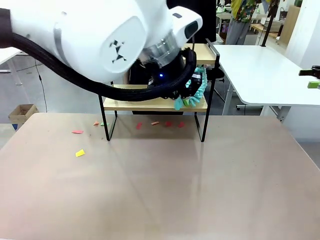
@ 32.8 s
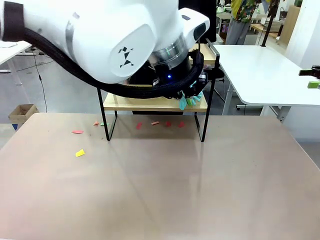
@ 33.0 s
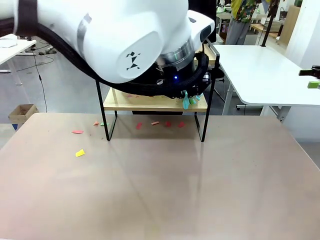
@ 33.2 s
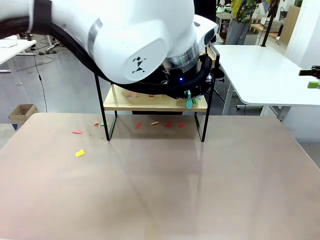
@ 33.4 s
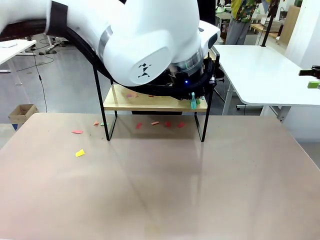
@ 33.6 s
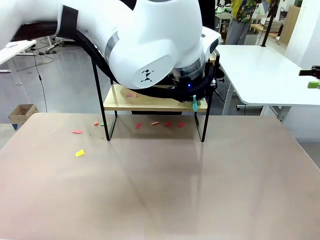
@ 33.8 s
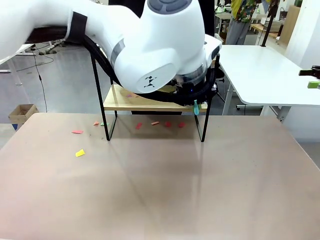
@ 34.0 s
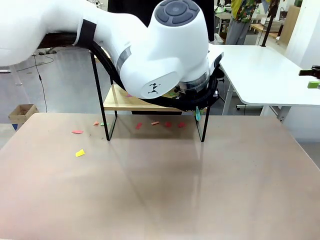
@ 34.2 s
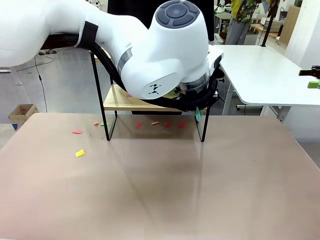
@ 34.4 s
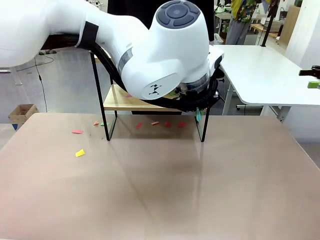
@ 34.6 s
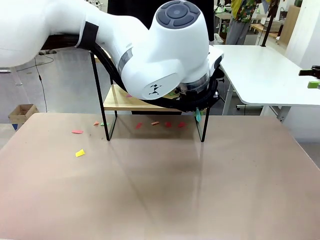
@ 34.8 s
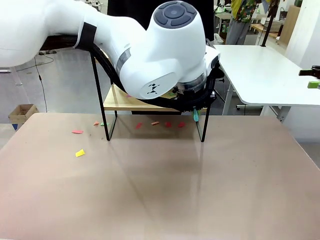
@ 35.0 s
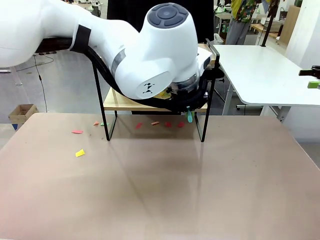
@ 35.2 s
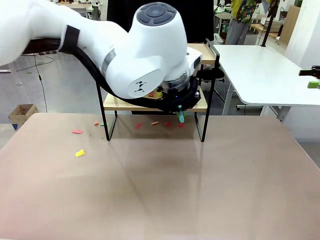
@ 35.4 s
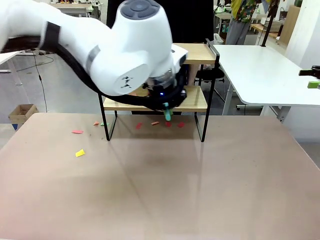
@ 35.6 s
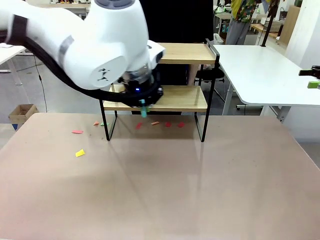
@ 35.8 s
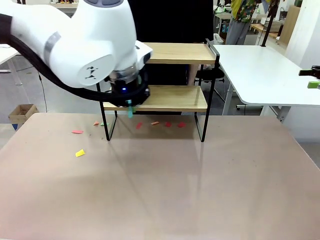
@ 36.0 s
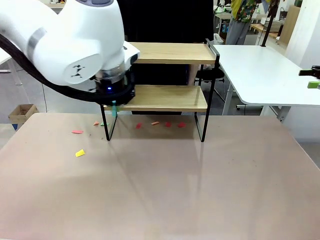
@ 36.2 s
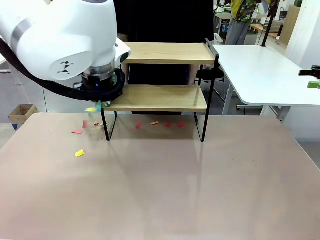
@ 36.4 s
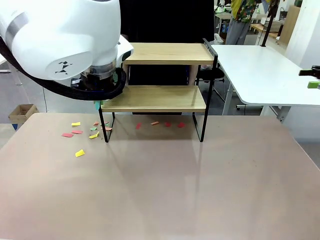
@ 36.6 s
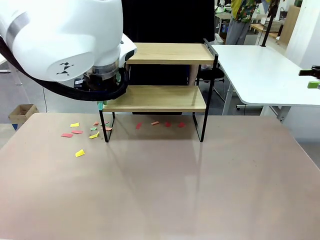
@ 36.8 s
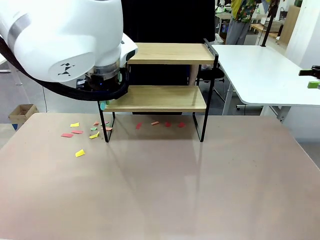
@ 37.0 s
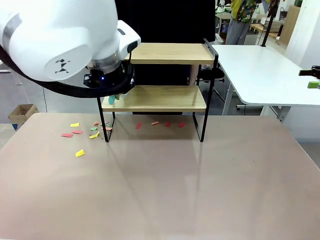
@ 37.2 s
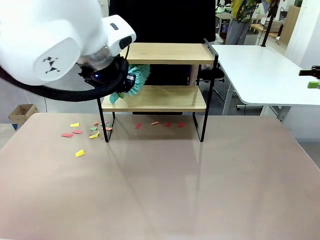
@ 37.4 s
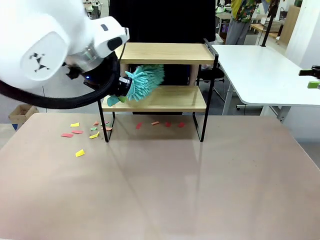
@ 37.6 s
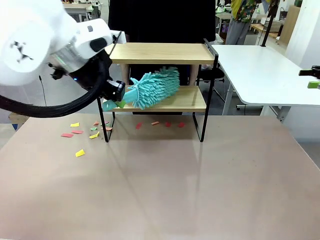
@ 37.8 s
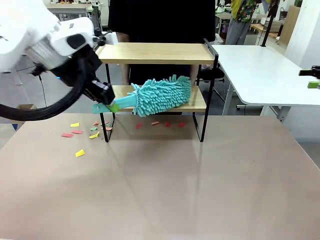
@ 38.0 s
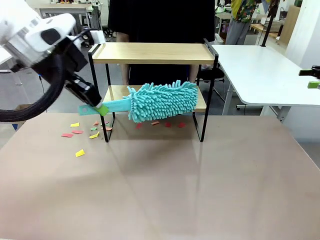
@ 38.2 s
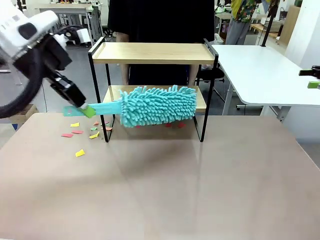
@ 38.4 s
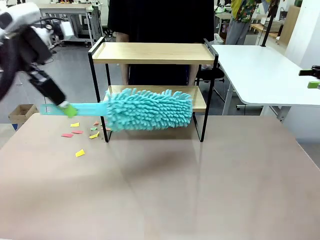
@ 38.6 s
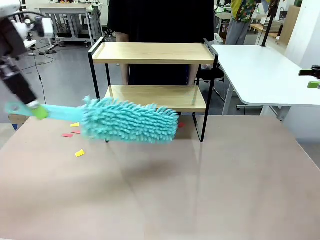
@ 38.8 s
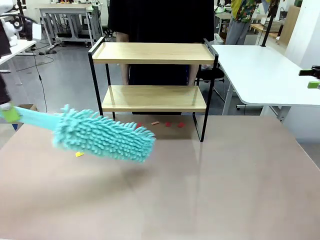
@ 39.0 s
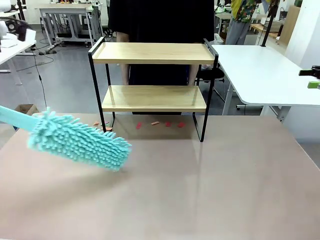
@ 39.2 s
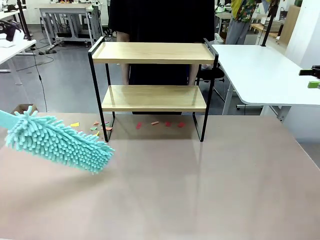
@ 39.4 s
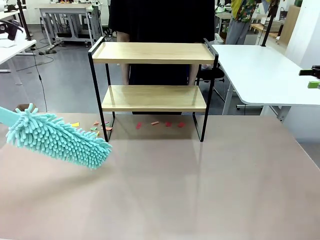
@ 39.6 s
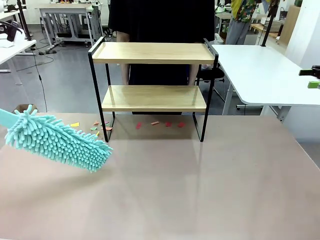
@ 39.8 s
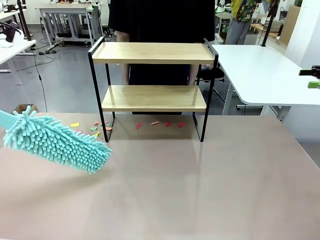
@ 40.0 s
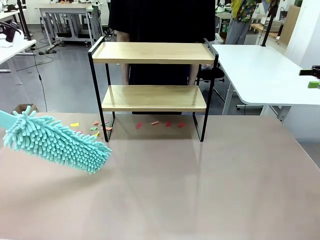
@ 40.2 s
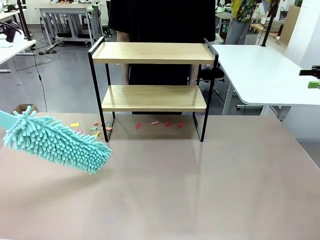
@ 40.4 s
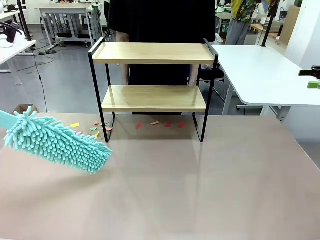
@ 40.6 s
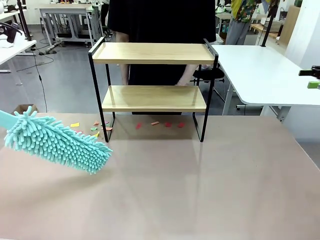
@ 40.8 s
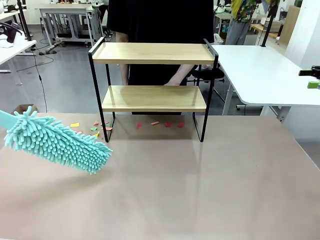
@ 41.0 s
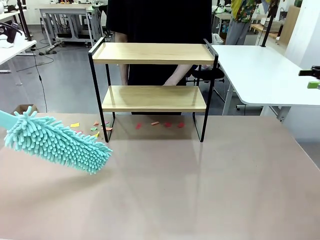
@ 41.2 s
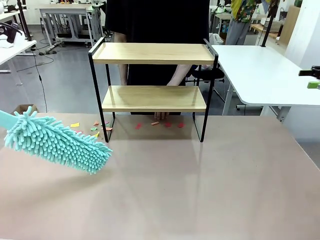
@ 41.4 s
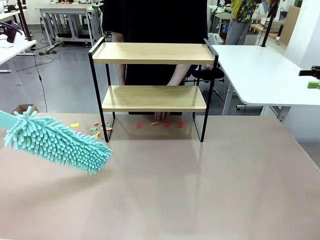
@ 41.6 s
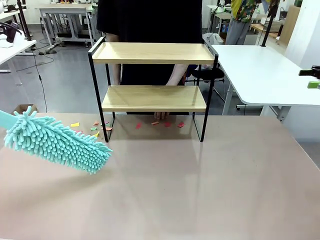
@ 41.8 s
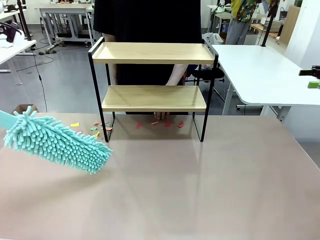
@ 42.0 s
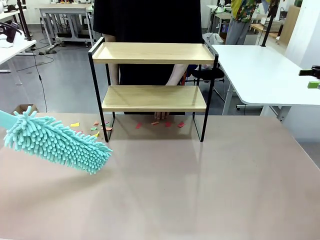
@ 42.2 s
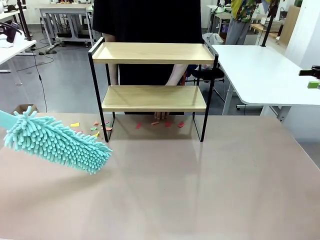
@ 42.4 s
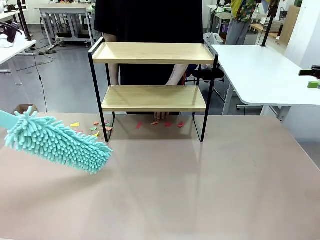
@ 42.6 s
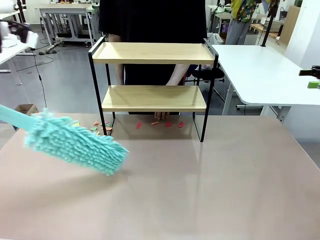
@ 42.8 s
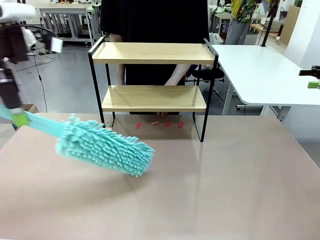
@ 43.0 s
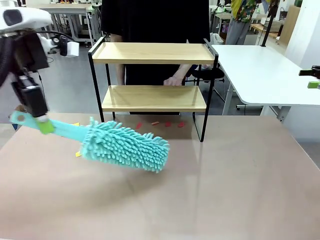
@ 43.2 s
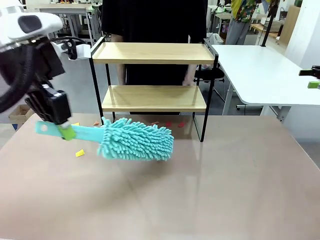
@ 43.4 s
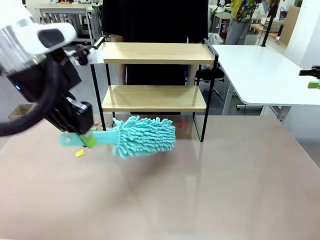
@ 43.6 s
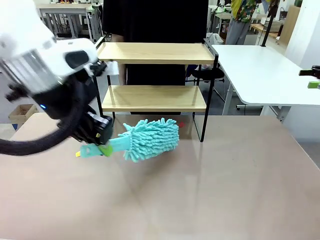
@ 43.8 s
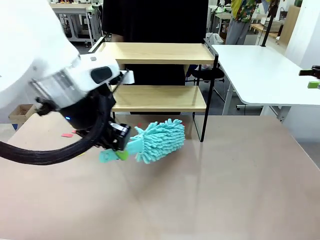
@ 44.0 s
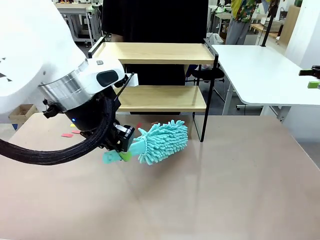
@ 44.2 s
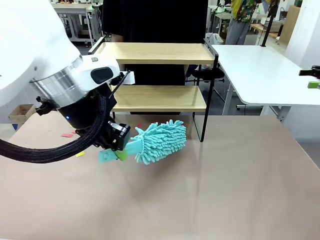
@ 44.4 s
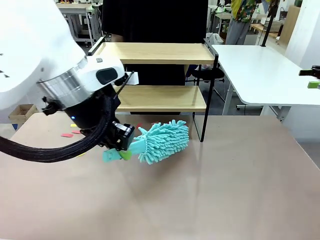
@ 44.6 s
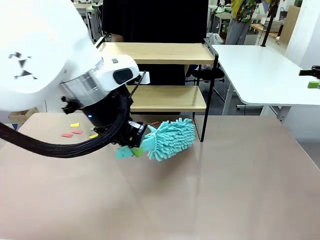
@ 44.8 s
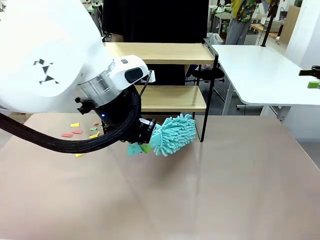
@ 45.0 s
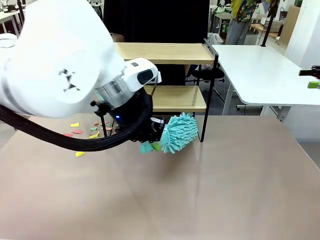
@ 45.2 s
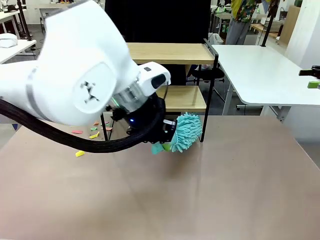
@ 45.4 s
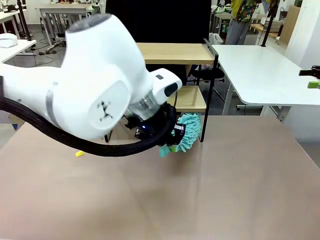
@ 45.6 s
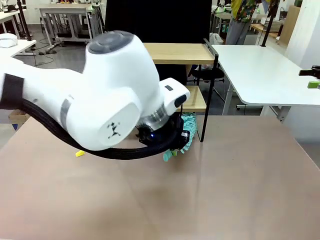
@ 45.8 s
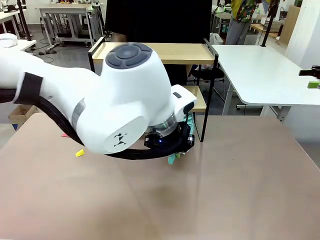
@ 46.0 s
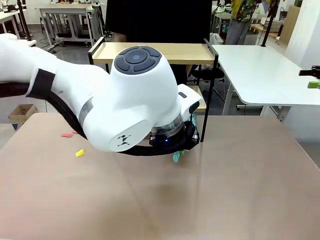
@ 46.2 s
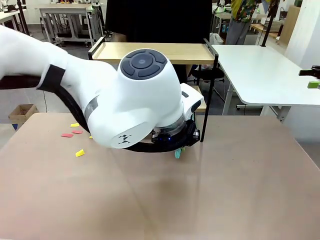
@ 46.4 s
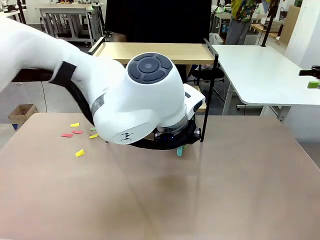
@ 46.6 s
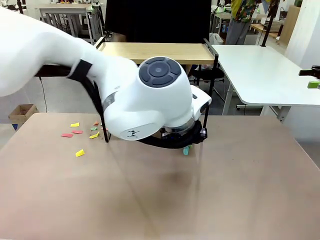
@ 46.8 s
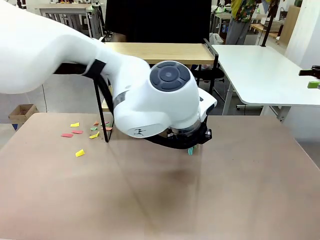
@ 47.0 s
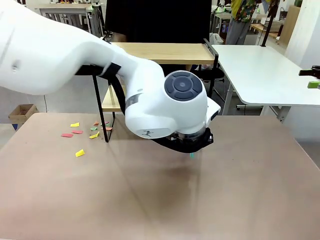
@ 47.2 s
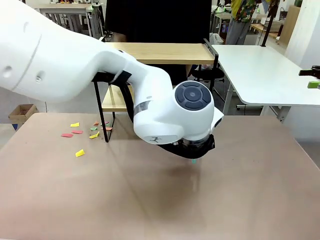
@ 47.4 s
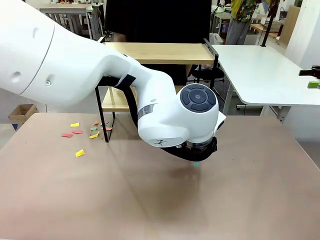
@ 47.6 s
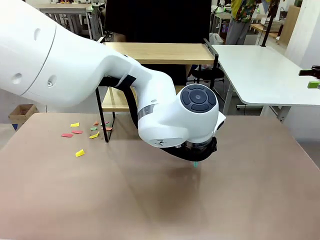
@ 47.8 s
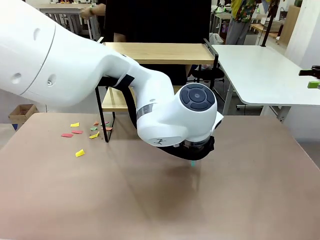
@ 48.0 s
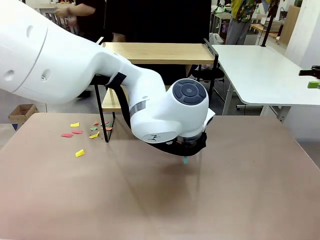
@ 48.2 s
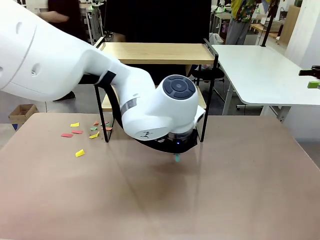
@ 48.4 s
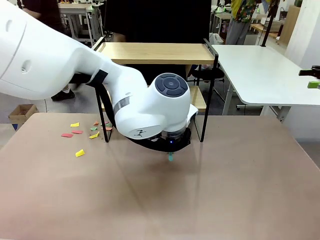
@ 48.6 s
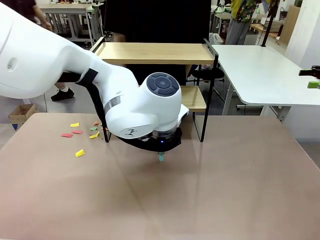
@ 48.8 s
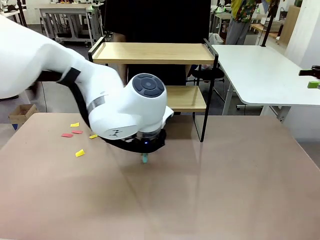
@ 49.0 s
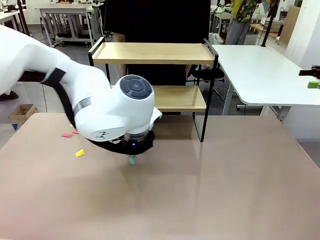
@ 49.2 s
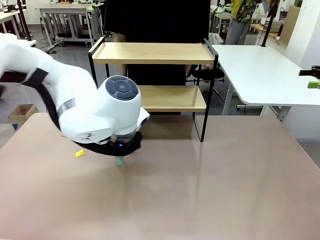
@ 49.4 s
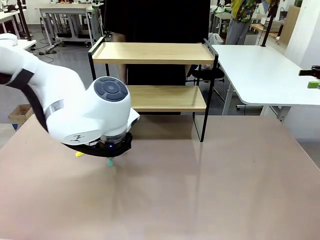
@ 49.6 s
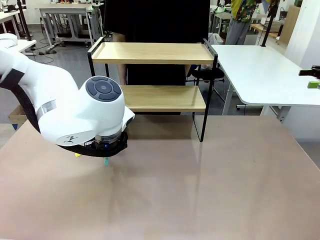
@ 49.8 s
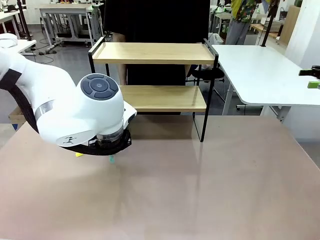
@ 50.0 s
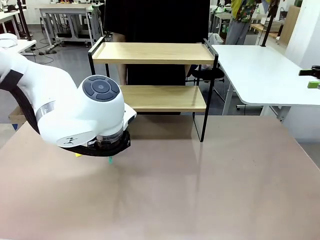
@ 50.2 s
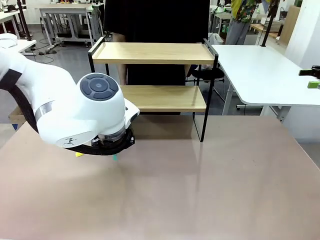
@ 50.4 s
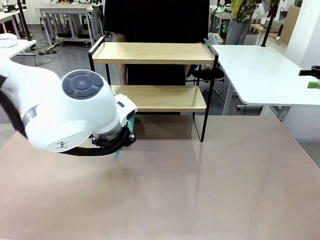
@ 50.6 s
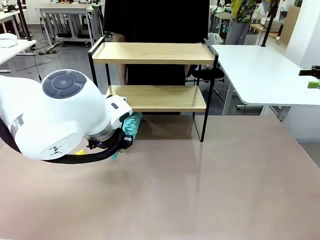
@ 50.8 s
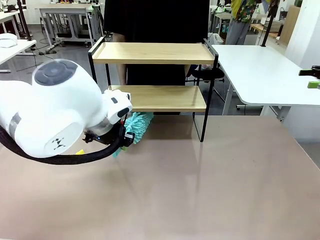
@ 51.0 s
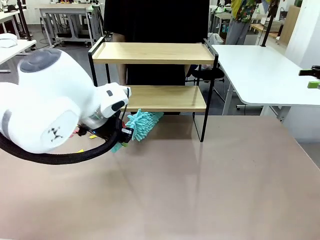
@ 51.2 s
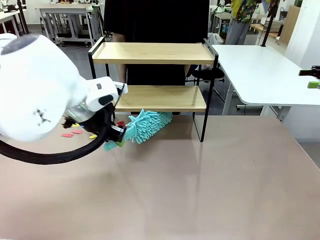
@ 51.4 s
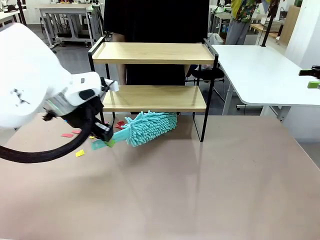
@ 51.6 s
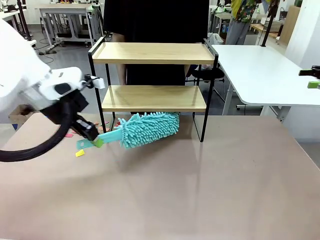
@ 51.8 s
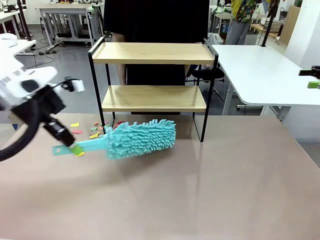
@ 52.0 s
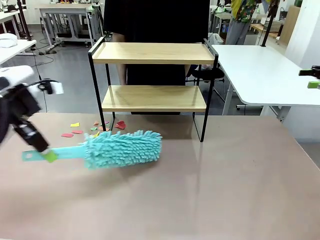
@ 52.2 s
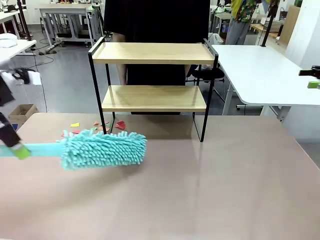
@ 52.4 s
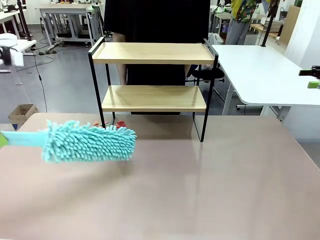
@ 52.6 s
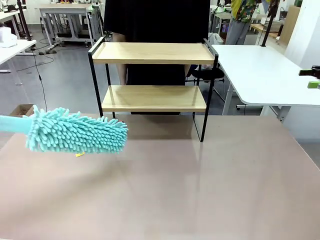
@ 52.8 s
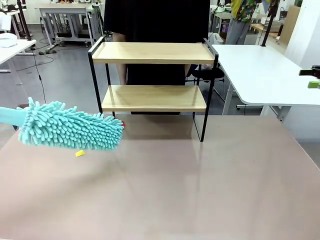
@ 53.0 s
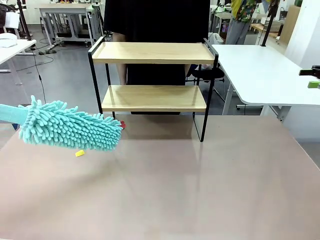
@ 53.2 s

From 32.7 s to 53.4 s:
Task: Clean the shelf.
Robot: Clean the specific section of the Shelf indicated by the human with the Duster.
Person: Point a remaining section of the Shelf.
